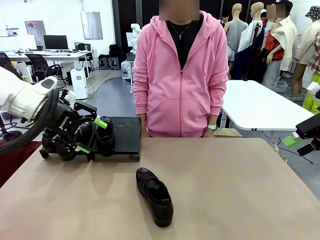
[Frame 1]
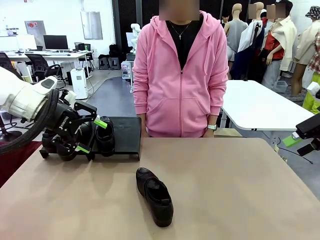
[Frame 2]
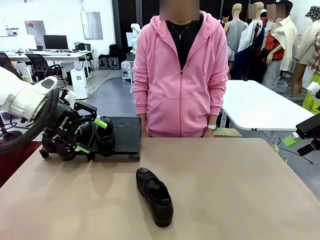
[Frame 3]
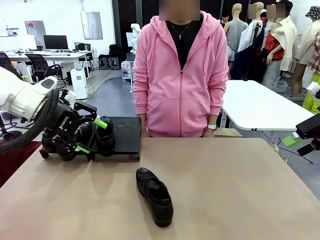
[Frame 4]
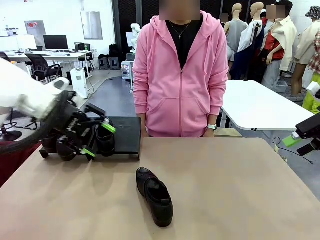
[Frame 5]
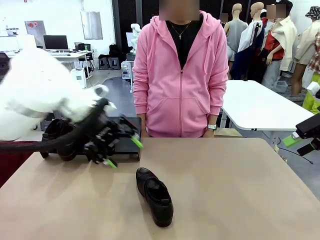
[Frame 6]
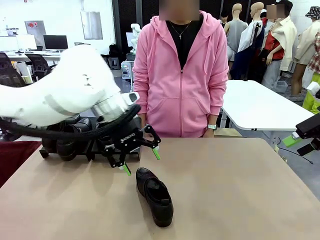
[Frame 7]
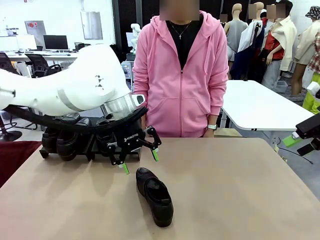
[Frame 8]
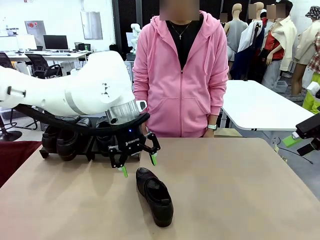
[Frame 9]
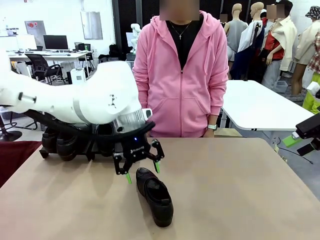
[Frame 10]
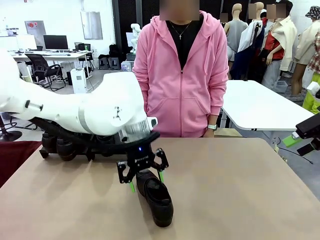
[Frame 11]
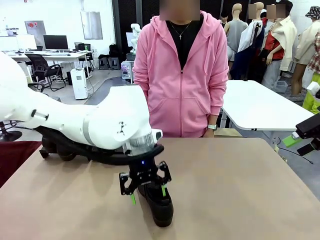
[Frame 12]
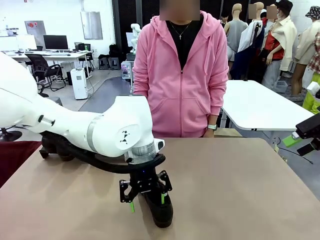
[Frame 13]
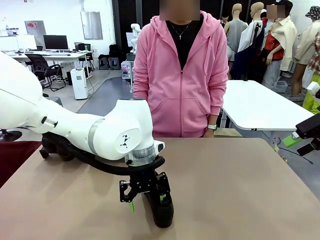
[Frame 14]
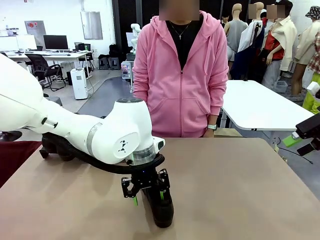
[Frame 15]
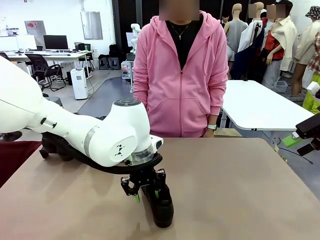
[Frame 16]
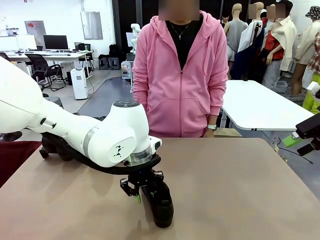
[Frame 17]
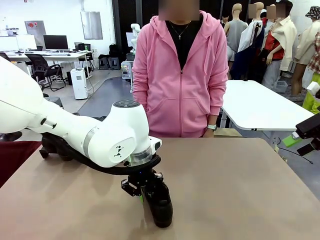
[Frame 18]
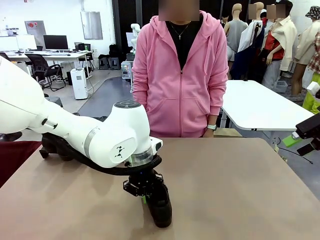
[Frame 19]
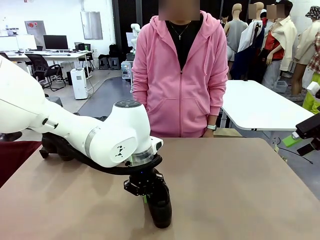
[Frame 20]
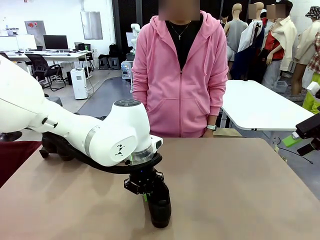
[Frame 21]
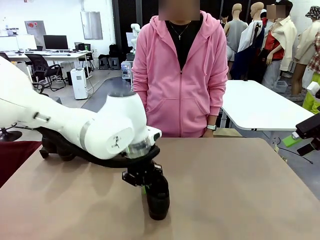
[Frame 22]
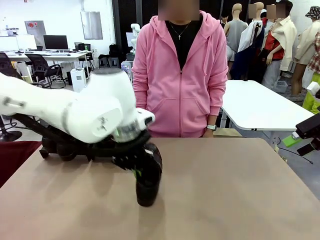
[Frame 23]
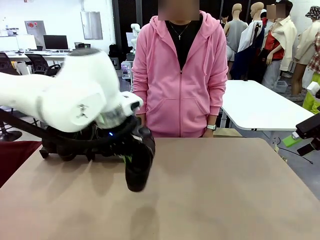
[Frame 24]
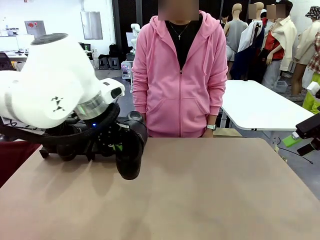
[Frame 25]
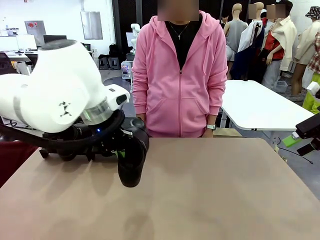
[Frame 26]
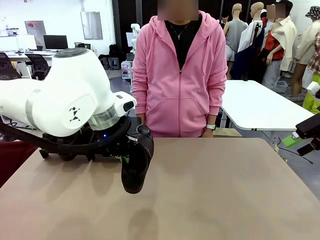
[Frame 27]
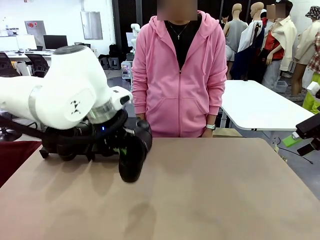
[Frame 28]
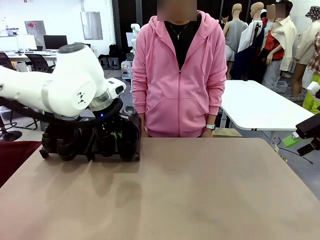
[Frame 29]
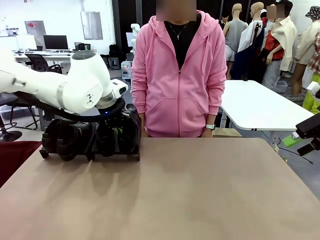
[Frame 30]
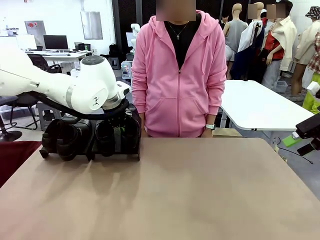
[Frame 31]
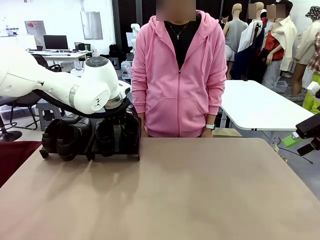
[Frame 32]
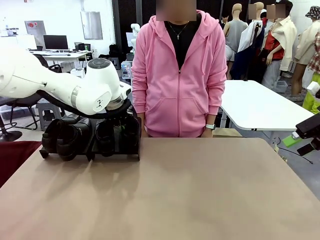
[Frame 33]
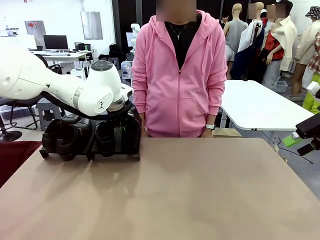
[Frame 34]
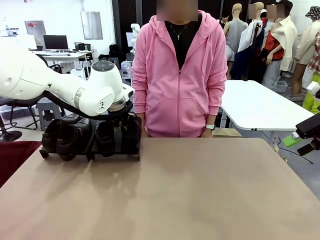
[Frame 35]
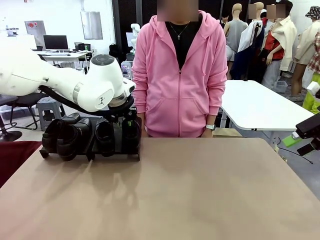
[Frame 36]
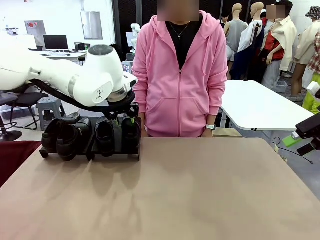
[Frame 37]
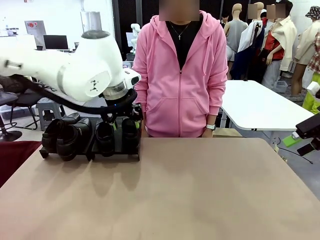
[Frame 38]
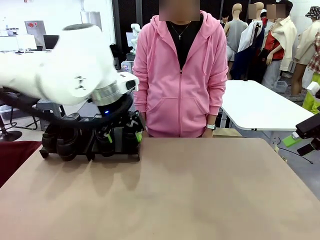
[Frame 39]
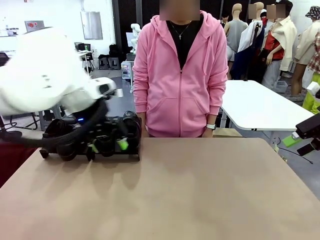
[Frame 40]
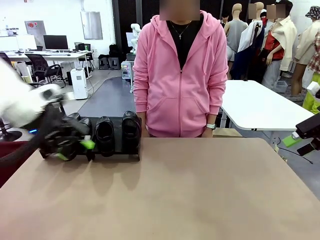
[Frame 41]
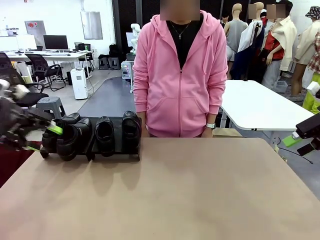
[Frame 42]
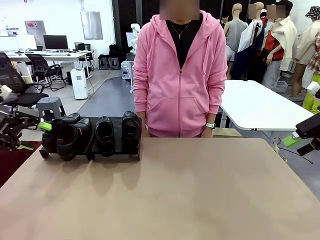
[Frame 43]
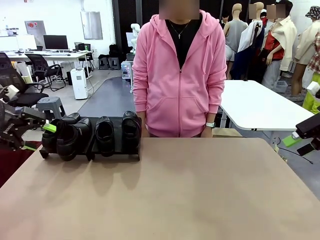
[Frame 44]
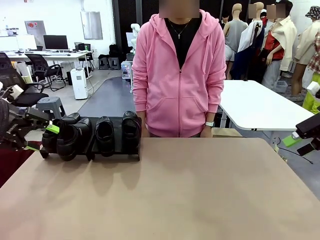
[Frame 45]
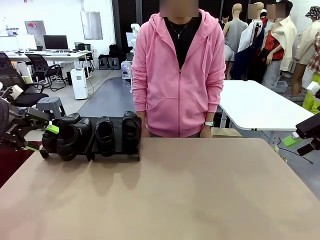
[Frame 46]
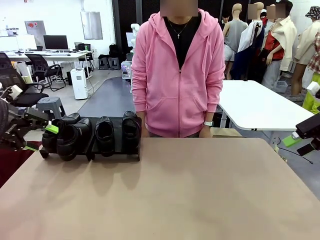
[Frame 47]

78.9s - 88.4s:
Task: Organize the shoes by placing them on the stand.
Robot: Place the Shoe from the middle of the table onto the Shoes Stand.

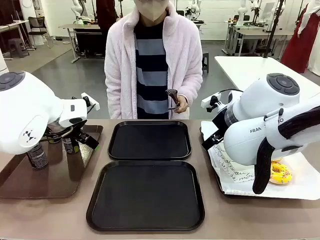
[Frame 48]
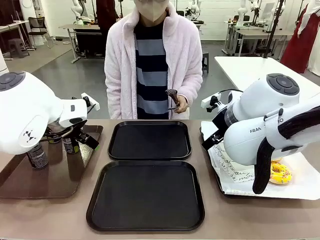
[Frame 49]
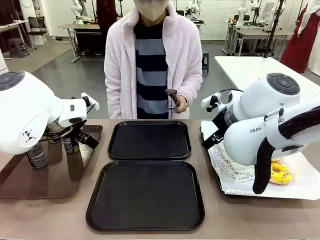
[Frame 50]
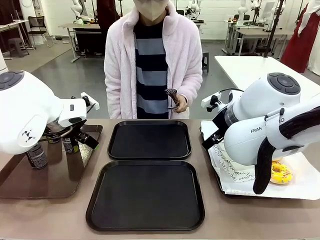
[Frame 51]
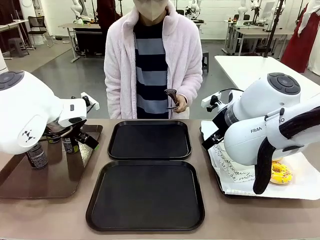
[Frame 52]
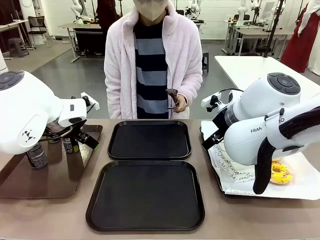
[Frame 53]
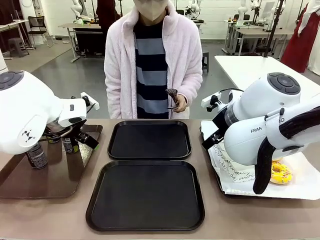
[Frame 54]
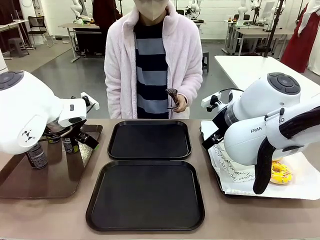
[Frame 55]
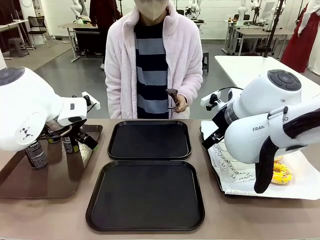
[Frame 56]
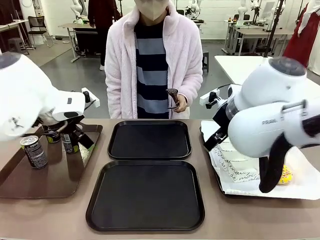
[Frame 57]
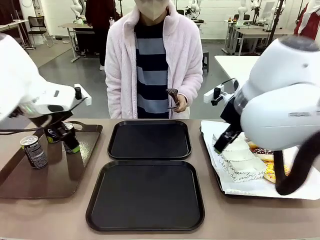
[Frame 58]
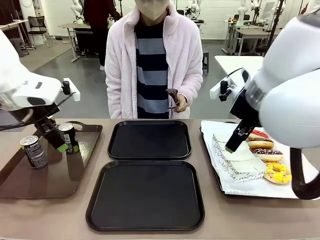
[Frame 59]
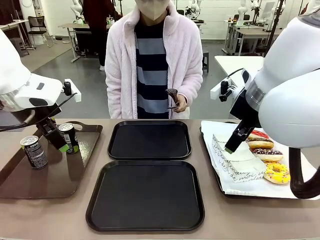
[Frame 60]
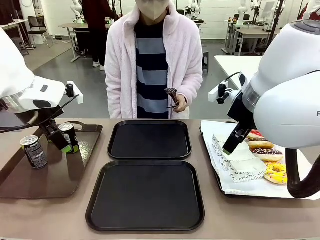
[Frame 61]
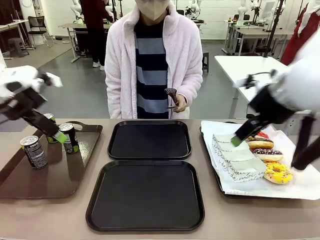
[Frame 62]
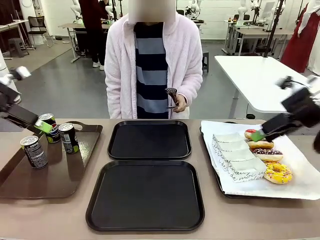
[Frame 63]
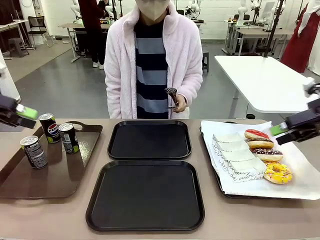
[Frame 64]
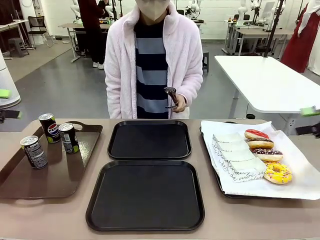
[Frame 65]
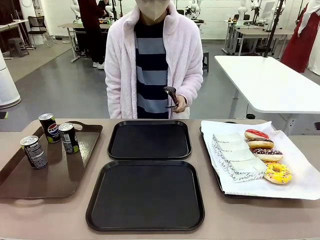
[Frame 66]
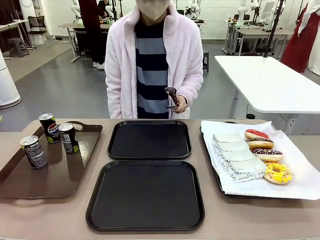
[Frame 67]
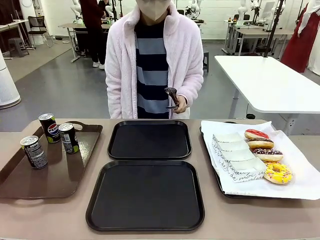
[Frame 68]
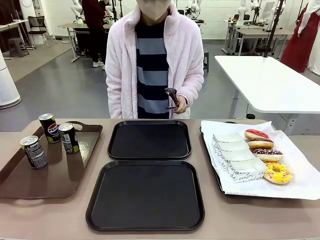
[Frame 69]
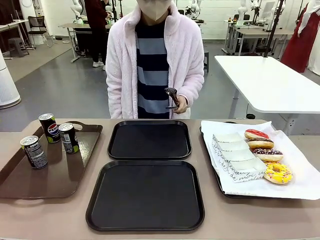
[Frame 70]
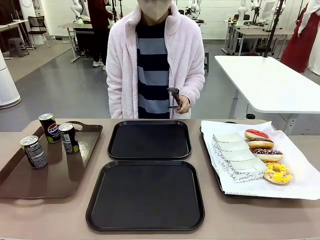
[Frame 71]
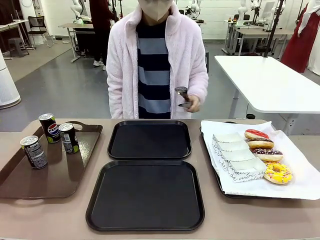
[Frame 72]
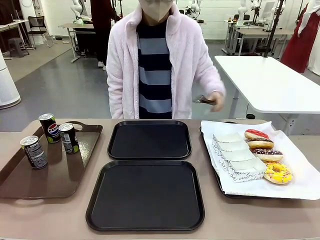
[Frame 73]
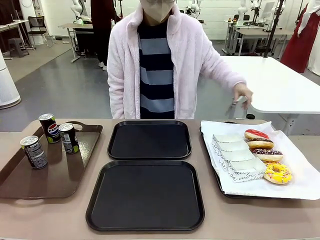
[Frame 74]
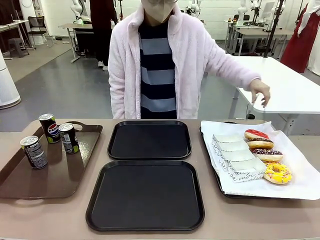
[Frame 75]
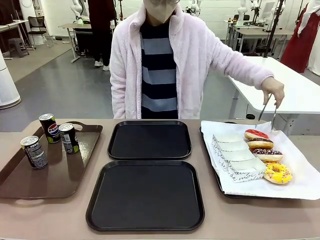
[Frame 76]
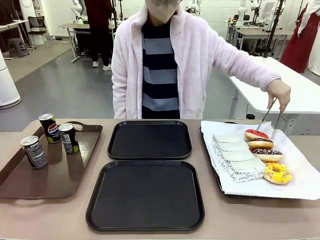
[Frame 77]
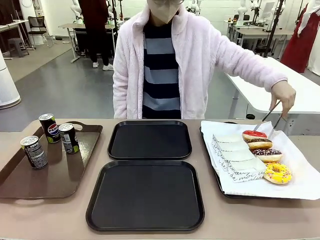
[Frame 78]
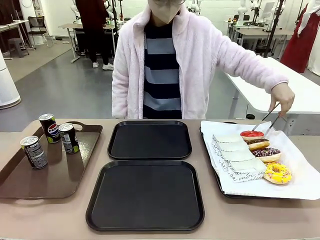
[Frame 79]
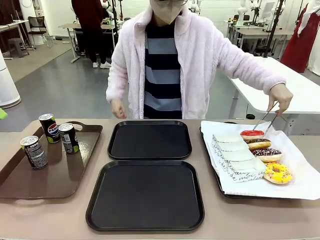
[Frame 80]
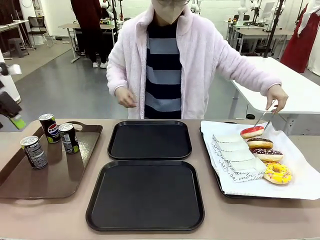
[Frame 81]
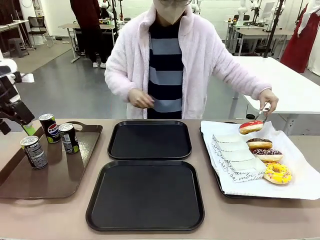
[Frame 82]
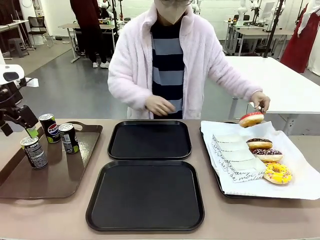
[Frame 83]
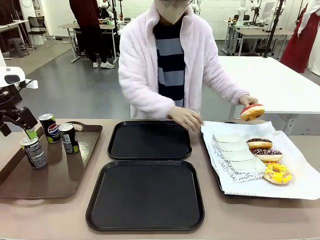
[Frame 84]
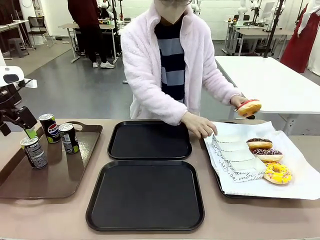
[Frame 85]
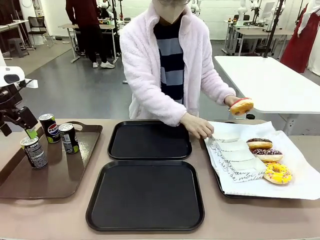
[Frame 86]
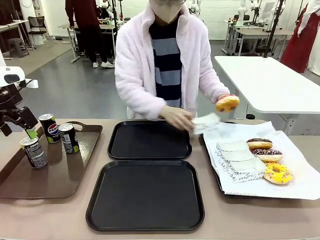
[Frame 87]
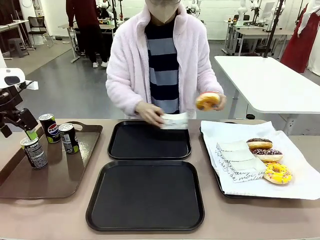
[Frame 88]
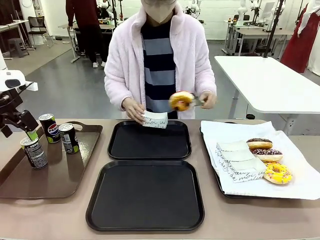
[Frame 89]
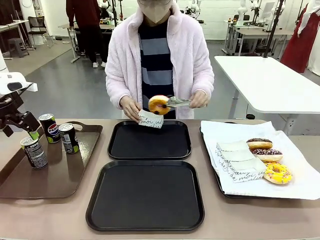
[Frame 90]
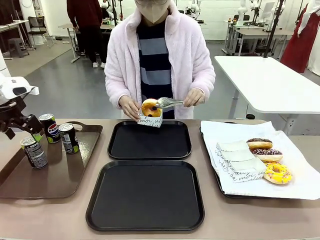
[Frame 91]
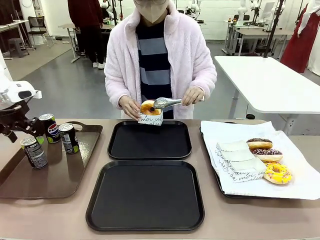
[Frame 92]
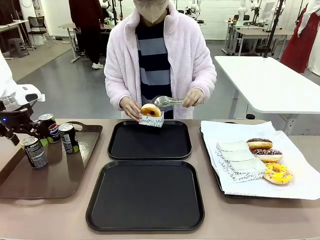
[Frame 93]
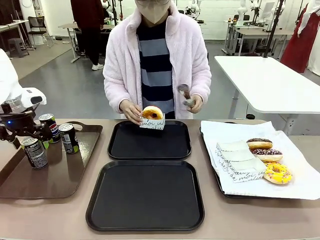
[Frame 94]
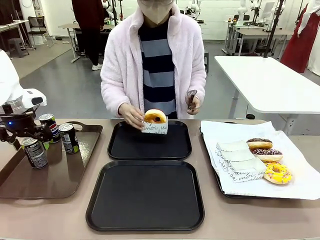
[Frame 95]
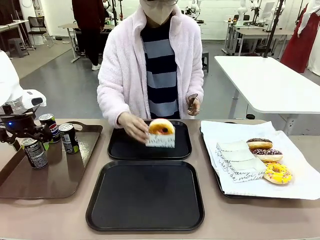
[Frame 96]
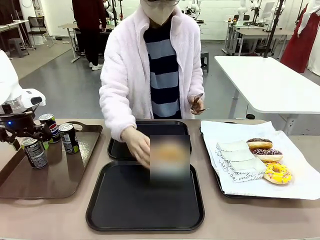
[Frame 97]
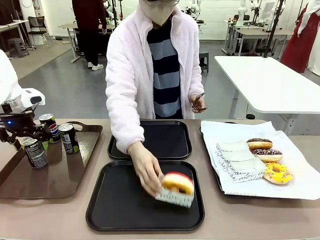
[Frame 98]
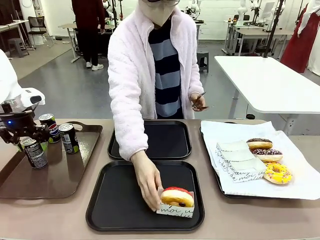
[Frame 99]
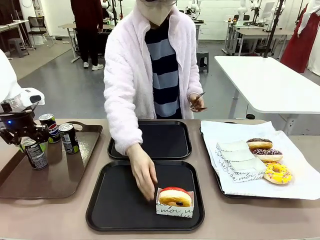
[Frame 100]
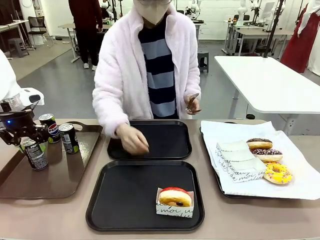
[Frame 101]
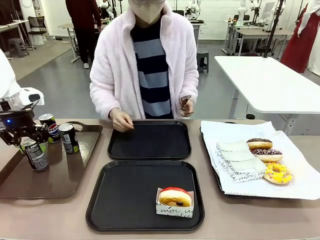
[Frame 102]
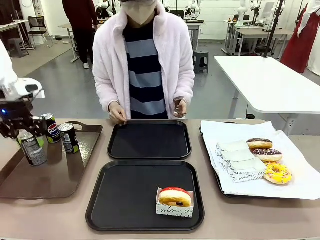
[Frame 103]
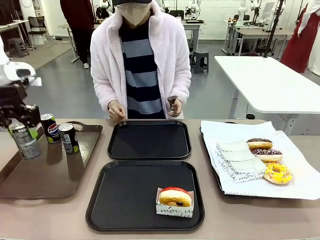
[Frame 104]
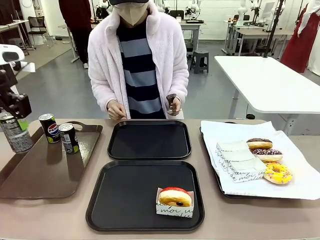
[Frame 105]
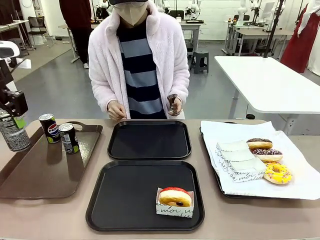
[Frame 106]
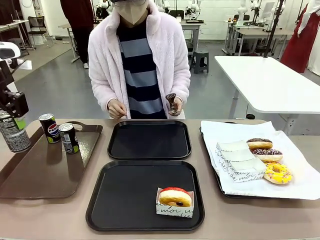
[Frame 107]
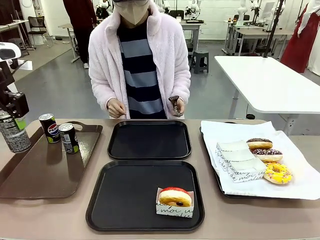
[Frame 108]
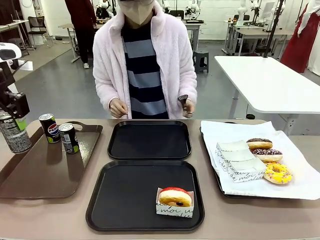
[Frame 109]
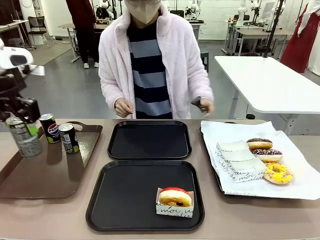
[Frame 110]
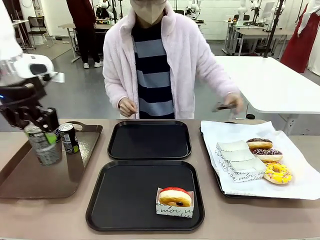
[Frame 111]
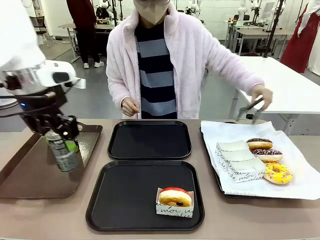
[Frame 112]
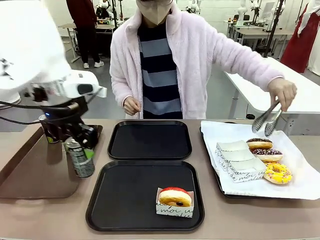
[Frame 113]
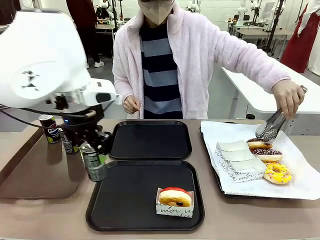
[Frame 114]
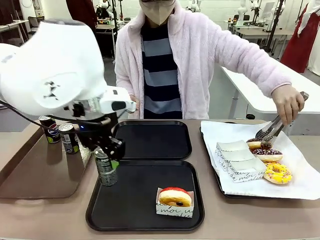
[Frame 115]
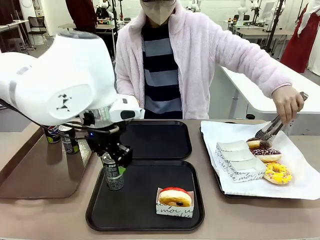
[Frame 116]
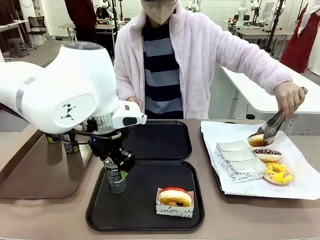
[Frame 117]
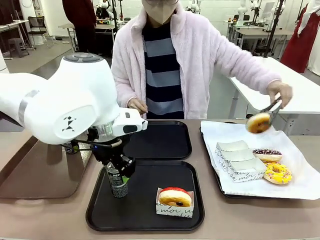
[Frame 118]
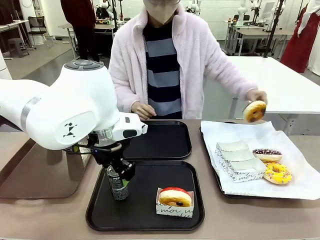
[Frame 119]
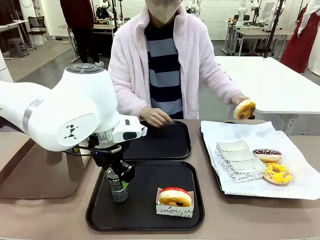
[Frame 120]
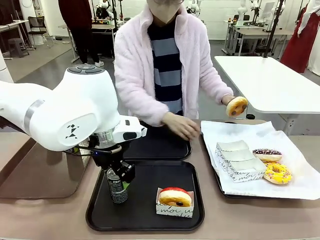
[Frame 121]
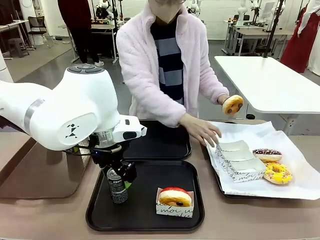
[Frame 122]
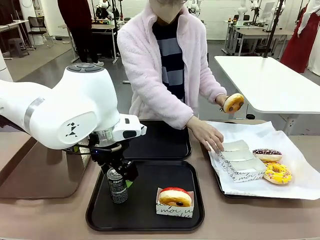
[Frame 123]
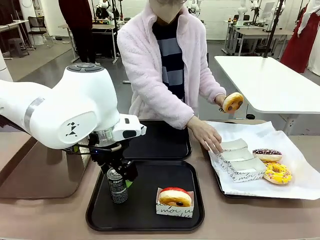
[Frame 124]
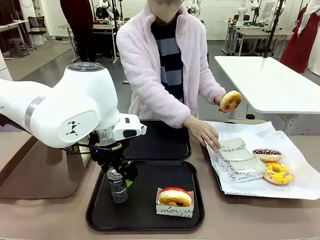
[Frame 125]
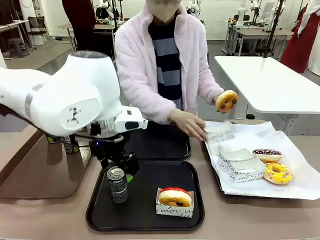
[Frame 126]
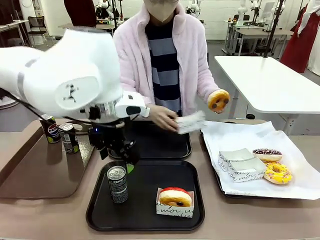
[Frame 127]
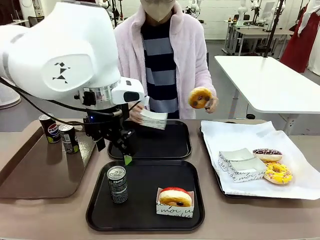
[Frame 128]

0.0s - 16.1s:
Task: Set up donuts and drinks on trays.
Robot: Pick up one Pepsi coke and place it on the Flat Tray.
